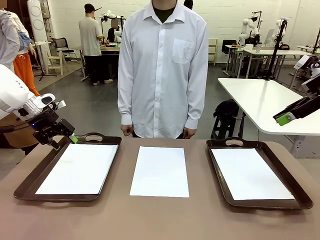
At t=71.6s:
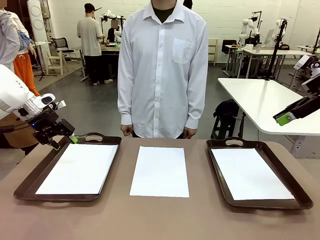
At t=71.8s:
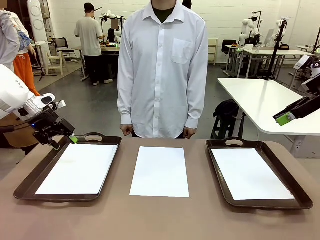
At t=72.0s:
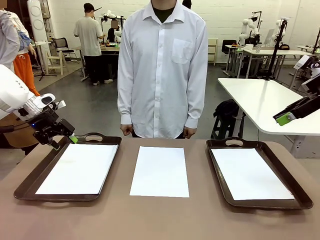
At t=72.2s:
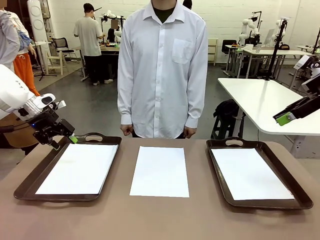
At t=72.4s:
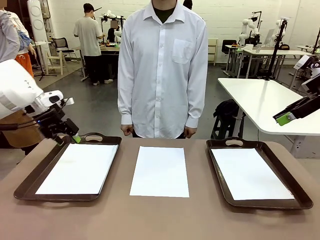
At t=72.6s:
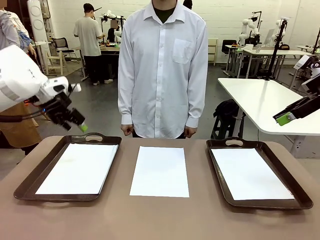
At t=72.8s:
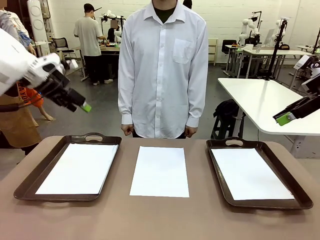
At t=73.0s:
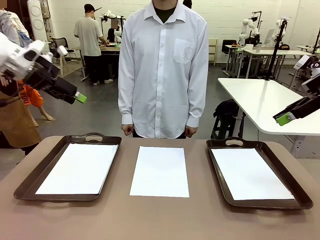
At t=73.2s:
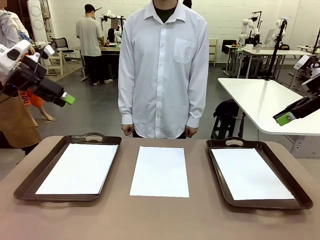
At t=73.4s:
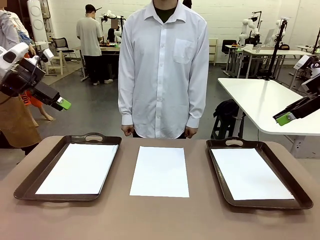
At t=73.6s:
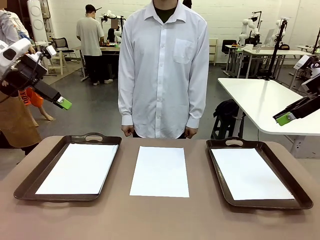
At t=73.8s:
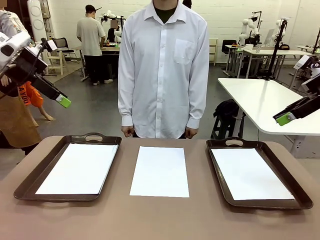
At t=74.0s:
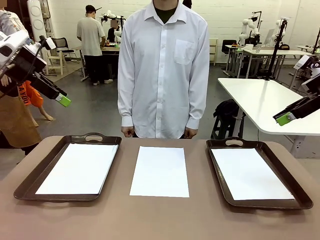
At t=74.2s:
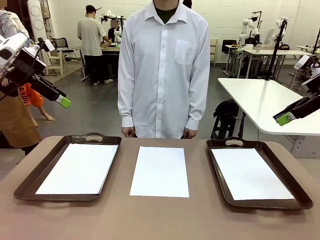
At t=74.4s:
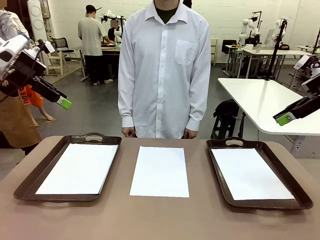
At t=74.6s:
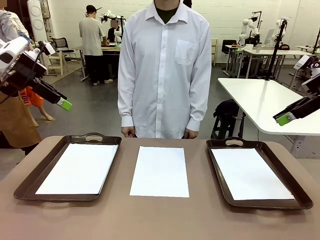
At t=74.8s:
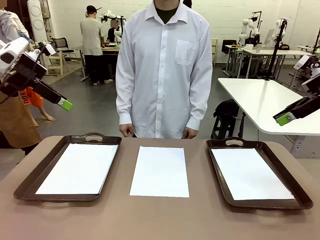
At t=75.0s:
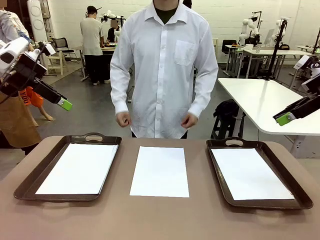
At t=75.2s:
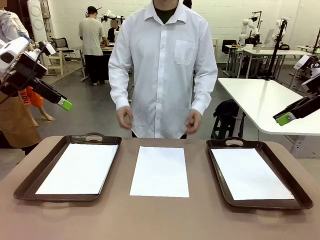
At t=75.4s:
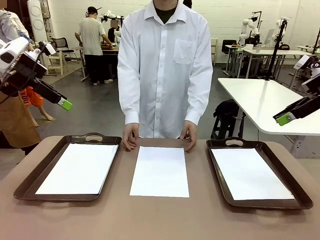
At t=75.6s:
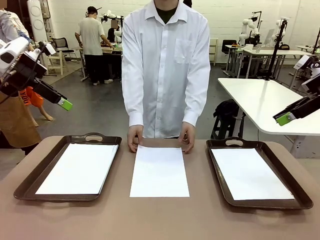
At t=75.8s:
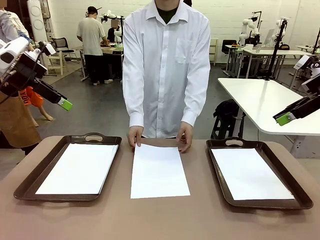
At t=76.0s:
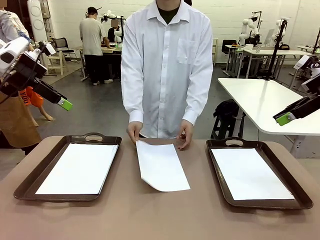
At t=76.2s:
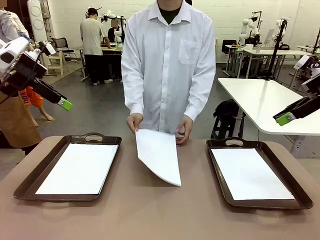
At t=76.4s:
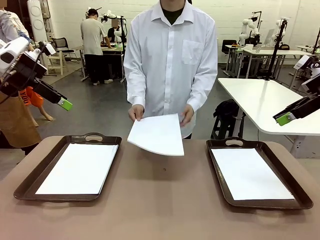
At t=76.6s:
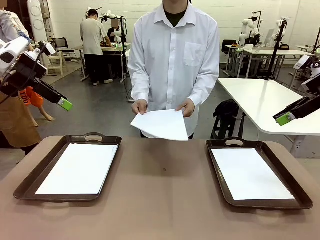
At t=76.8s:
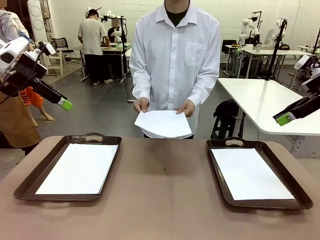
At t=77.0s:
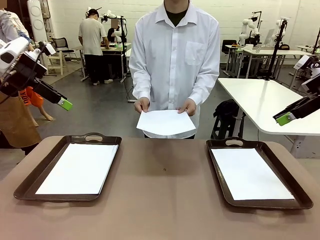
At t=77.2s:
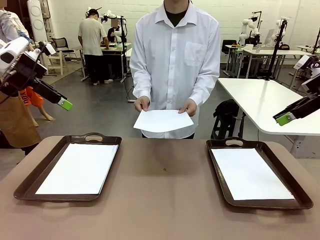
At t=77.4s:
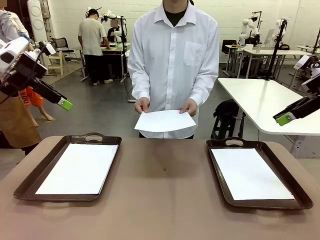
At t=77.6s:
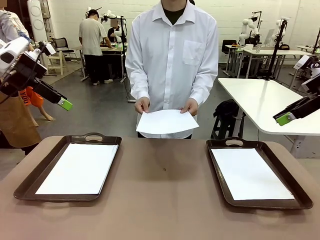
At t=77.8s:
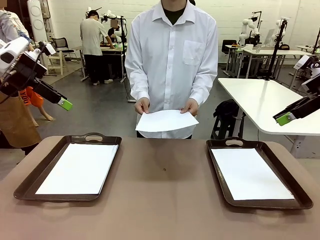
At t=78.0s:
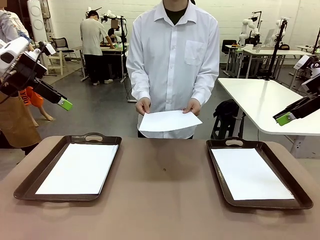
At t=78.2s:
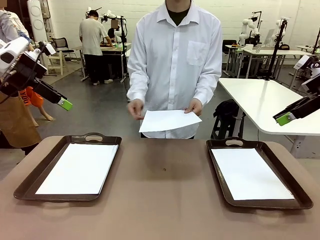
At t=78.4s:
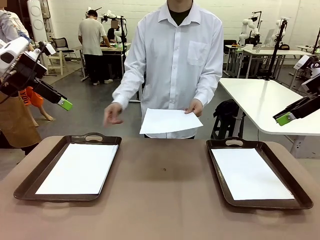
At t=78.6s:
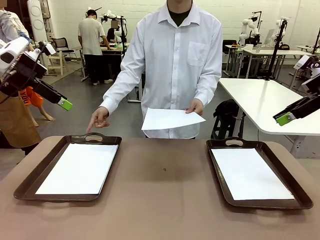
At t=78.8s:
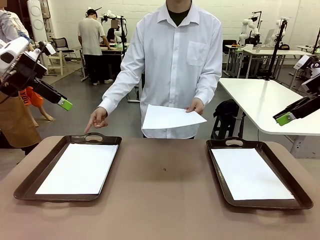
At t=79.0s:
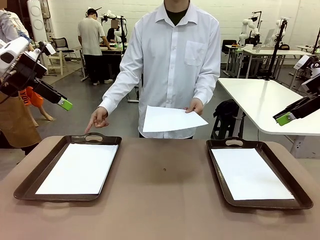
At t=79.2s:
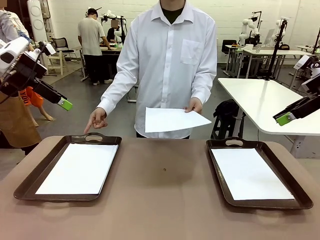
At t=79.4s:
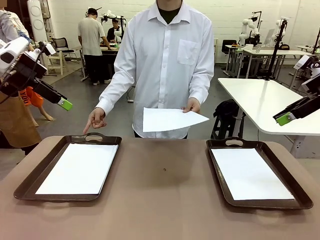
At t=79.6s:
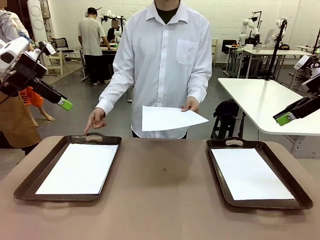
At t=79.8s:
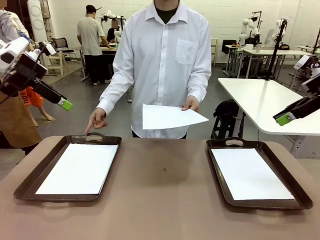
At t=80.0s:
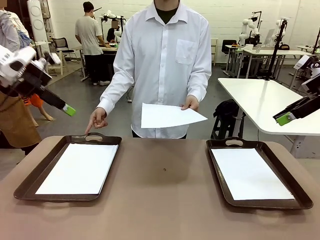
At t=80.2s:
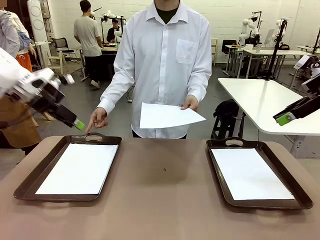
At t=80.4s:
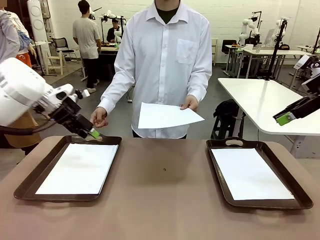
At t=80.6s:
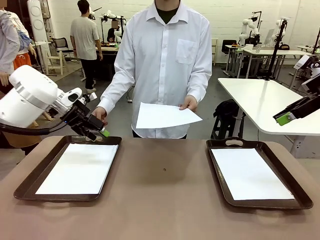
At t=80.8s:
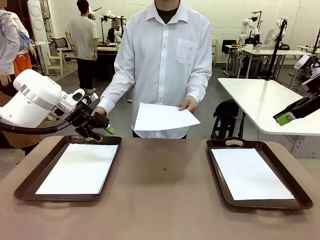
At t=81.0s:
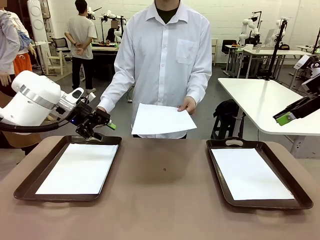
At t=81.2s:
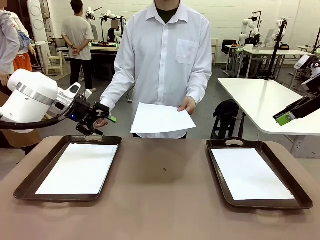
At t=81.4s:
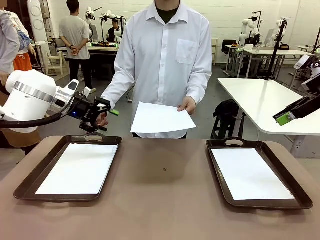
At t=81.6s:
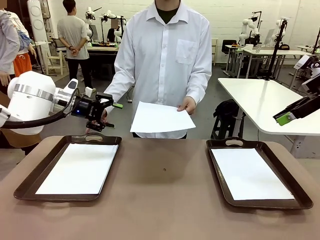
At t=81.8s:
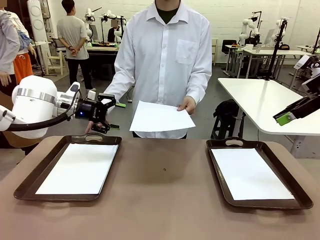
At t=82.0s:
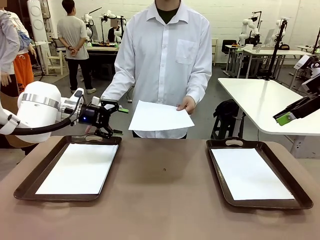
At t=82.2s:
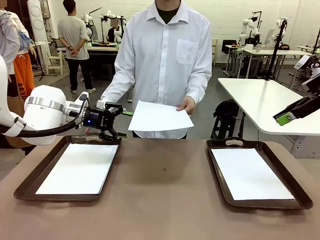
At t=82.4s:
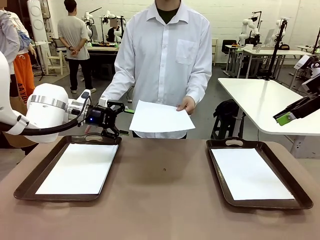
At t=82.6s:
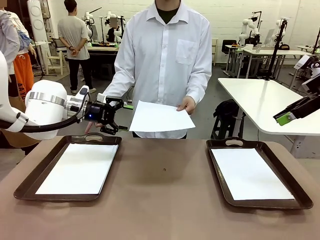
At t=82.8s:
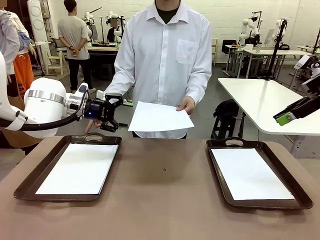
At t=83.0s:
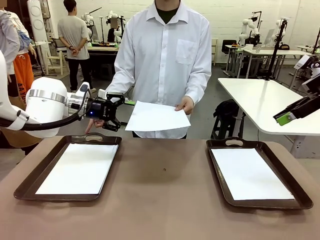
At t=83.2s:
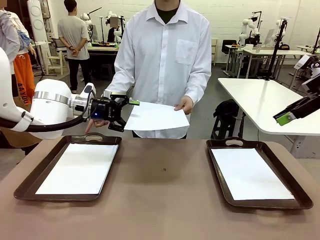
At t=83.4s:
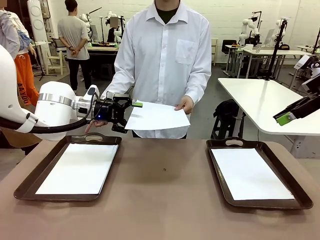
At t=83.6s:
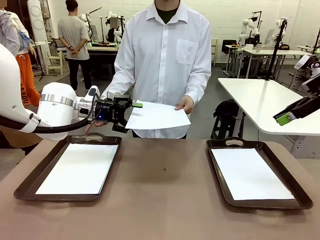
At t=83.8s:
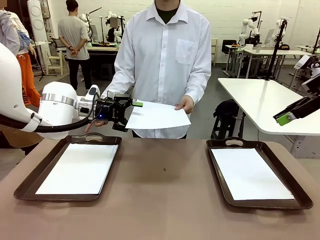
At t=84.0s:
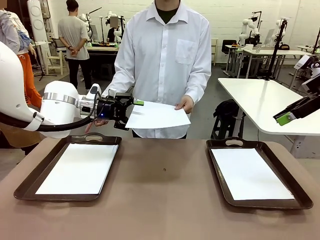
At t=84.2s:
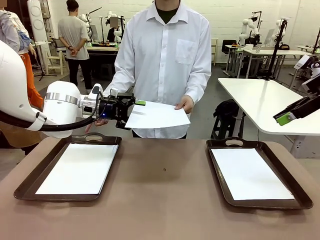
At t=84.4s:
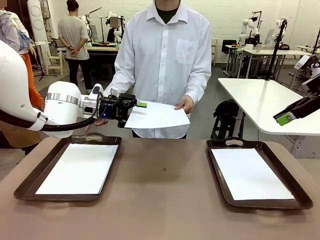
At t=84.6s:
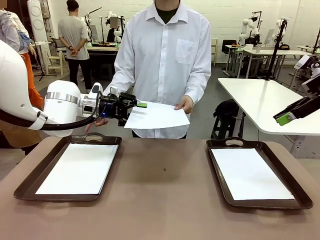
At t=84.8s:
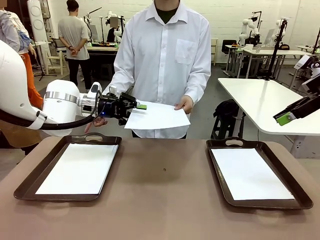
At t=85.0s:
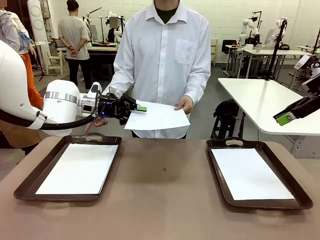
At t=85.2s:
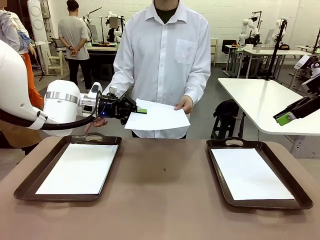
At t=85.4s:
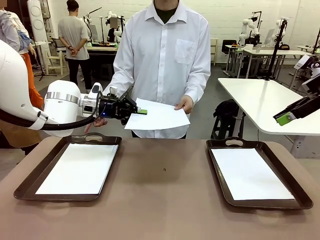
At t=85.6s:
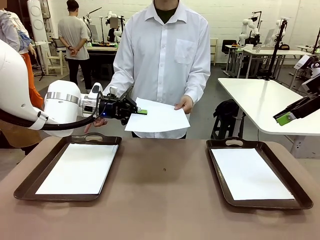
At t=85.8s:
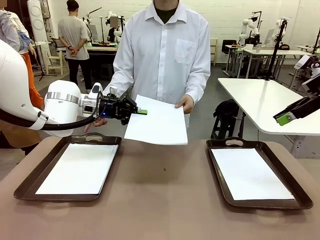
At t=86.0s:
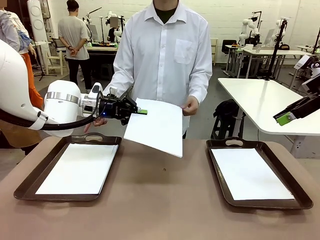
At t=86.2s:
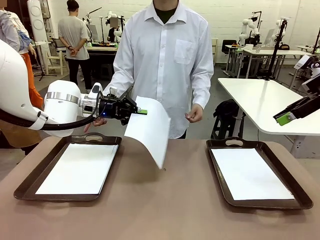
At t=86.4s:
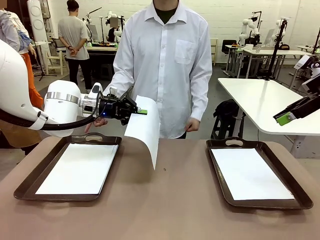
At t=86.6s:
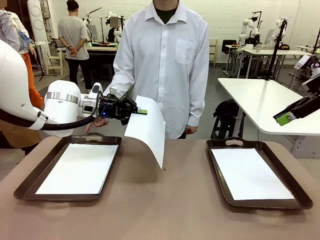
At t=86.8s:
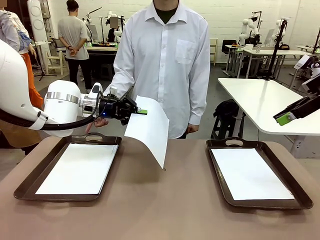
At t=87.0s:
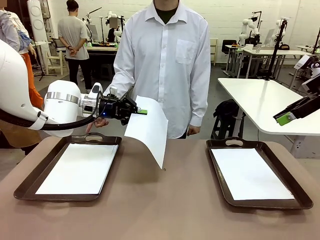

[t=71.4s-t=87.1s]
Task: Sort the A4 documents.
Robot: Receive the A4 Paper.
Person: Point the randomly selected tray with the other hand.

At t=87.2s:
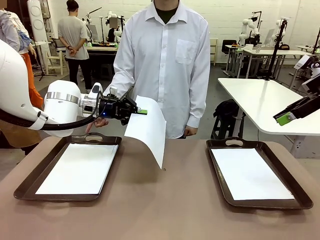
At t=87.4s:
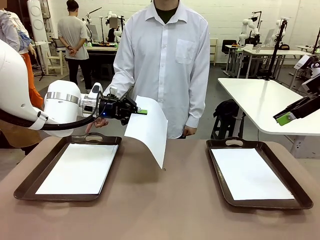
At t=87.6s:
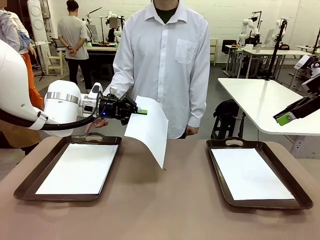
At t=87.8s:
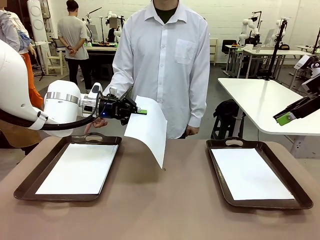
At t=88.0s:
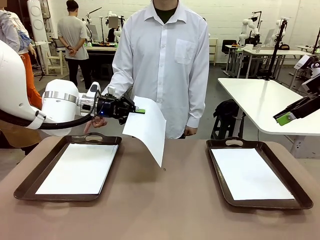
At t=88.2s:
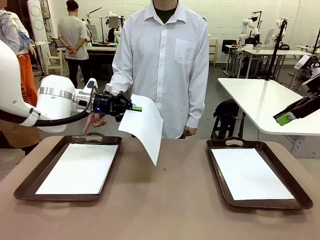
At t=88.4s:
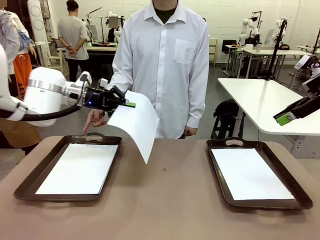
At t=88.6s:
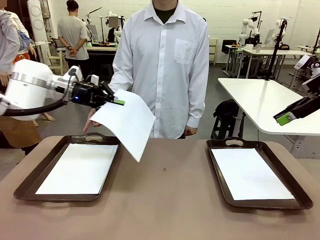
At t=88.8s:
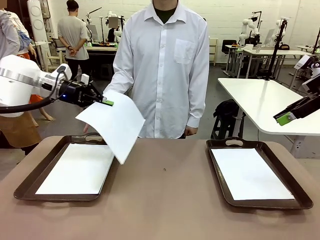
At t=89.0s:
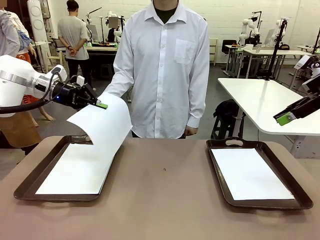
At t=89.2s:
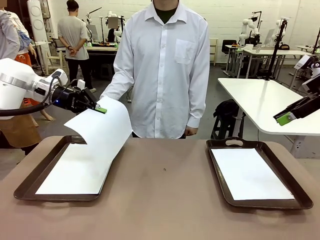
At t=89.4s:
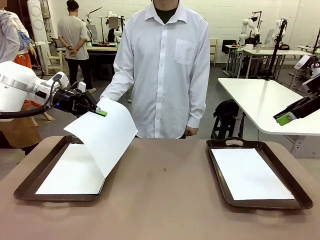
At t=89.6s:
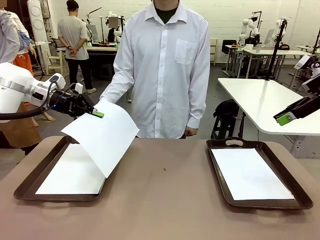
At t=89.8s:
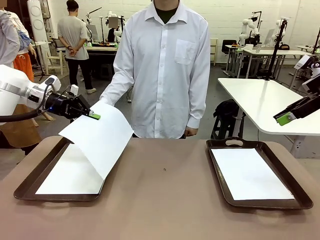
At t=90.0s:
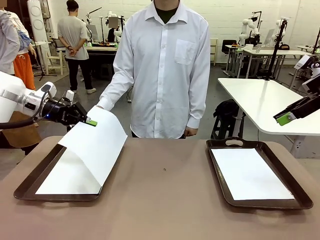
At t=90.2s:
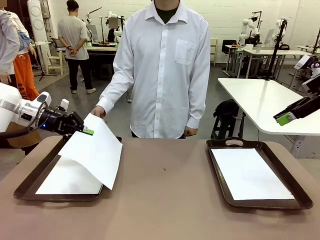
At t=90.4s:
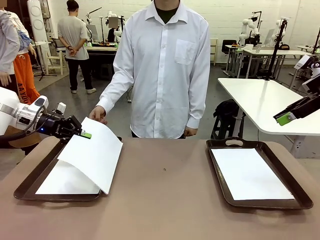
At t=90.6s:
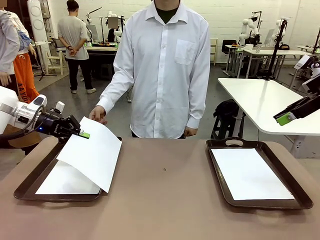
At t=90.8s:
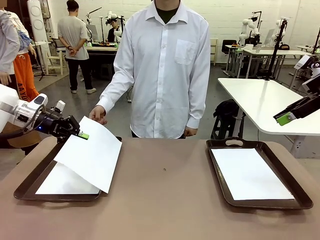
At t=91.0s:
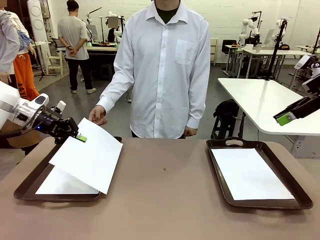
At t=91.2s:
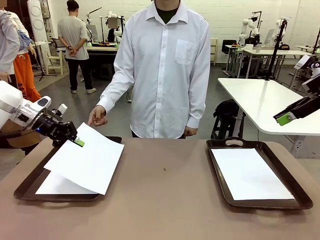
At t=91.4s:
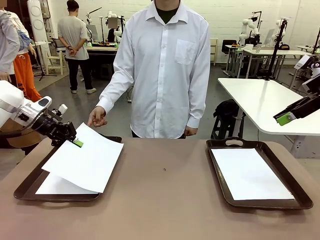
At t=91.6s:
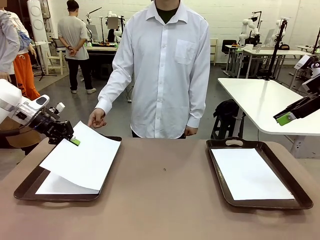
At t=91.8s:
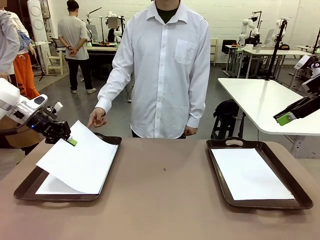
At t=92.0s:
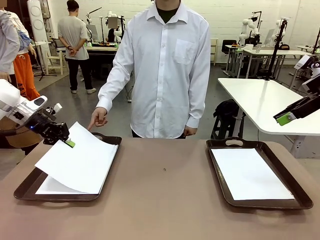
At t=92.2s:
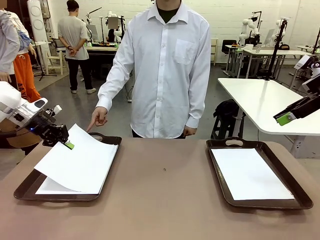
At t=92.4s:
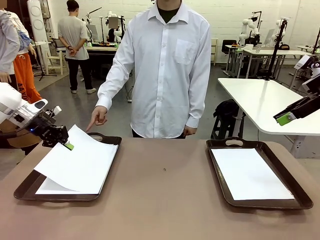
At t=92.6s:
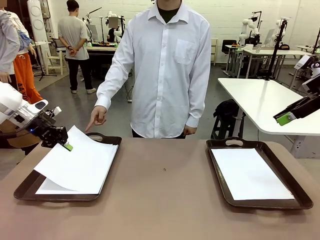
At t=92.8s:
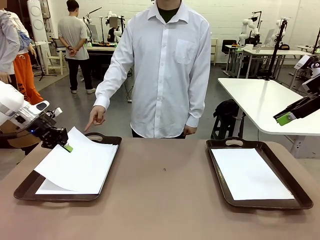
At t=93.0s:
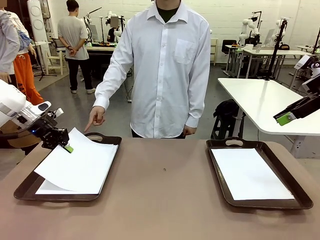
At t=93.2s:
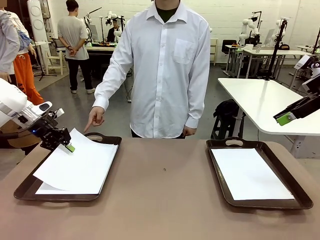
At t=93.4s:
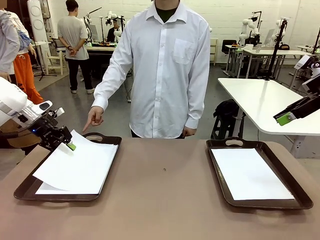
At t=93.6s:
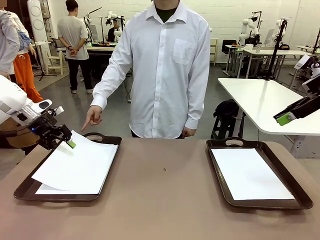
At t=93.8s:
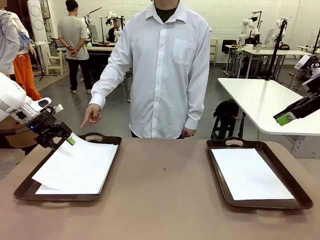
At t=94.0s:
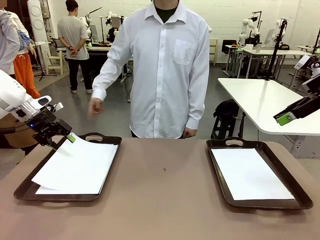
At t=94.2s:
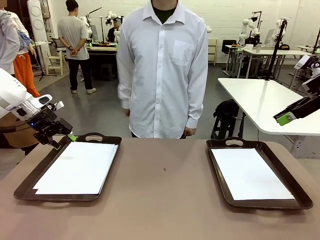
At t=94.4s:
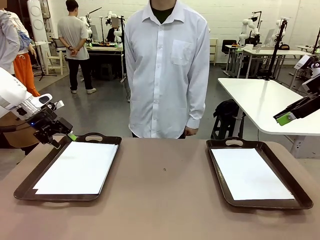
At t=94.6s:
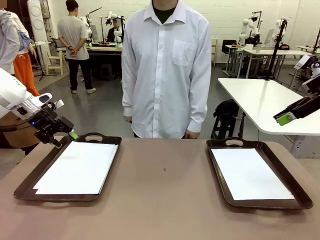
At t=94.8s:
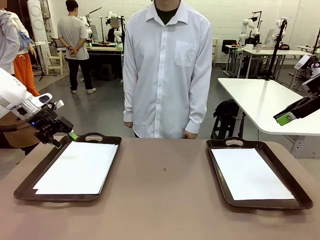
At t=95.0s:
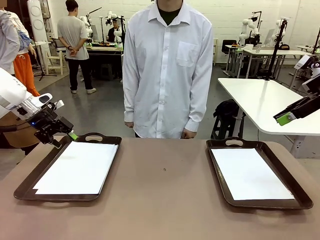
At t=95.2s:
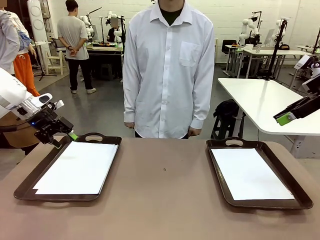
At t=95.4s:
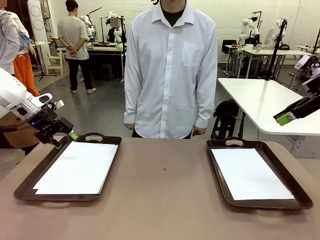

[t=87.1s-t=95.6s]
Robot: Place the A4 Paper in the designated Handle tray.
